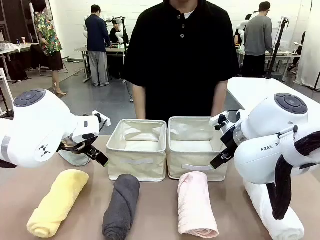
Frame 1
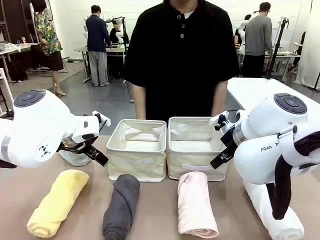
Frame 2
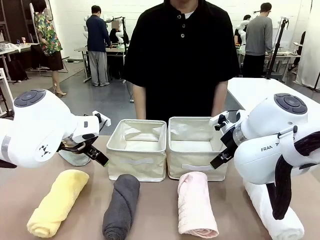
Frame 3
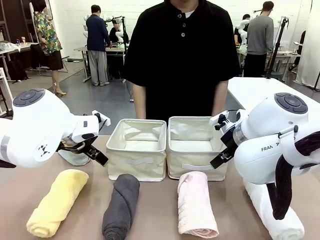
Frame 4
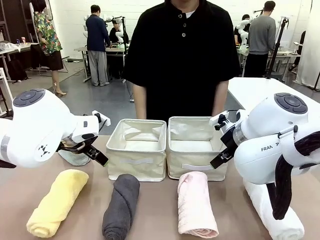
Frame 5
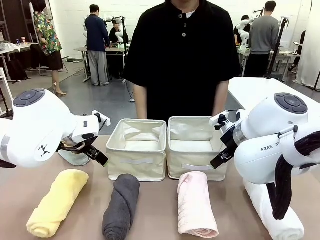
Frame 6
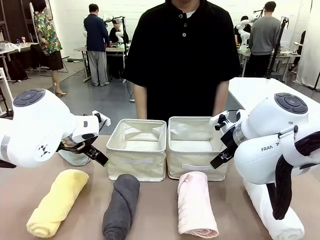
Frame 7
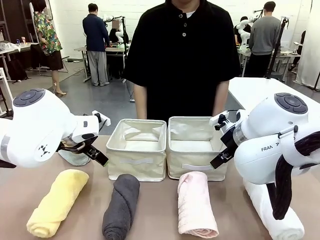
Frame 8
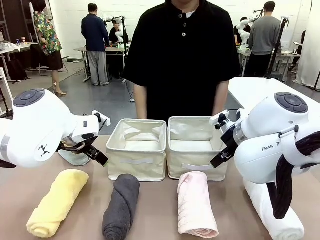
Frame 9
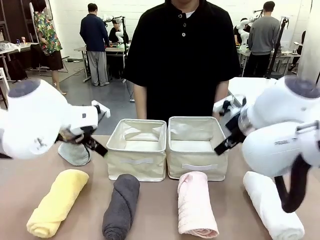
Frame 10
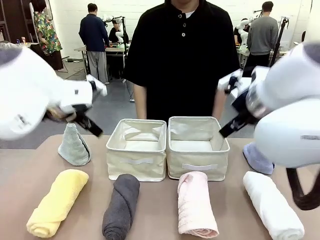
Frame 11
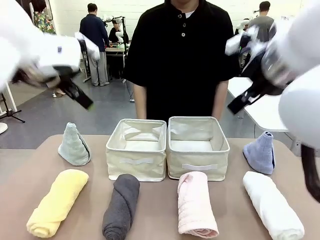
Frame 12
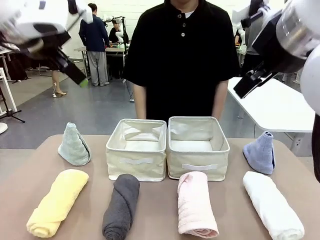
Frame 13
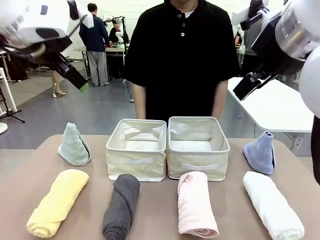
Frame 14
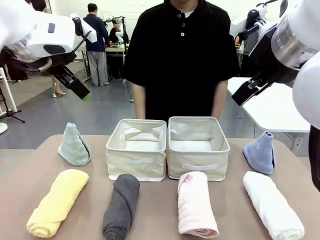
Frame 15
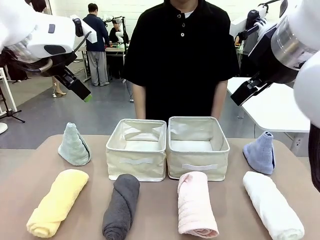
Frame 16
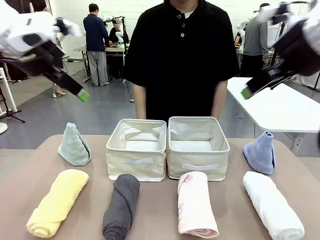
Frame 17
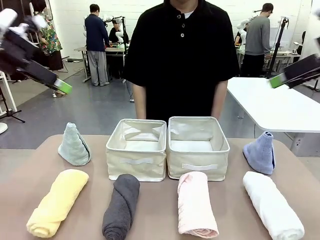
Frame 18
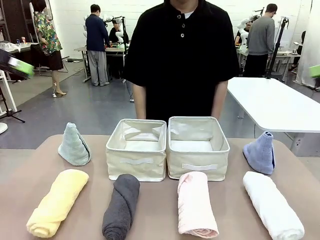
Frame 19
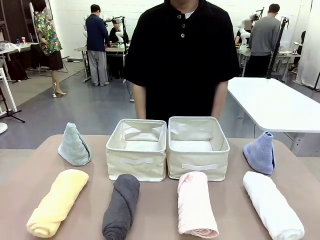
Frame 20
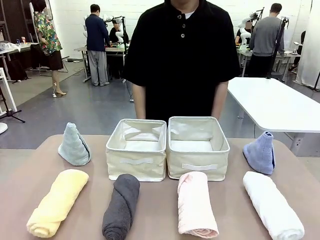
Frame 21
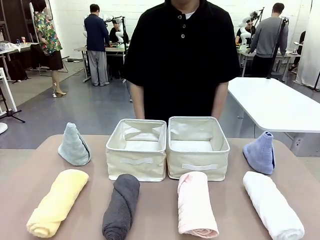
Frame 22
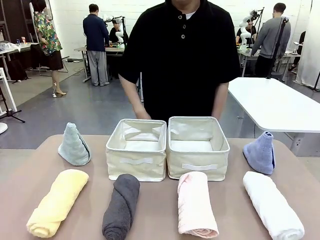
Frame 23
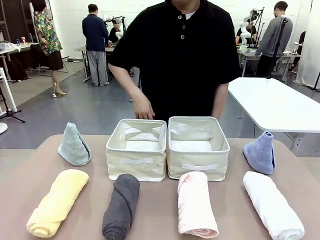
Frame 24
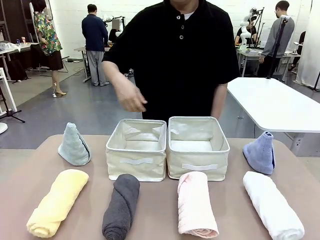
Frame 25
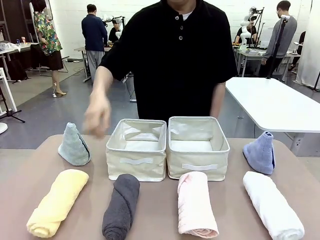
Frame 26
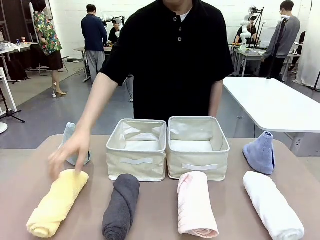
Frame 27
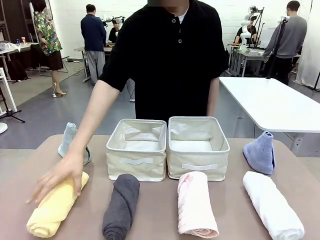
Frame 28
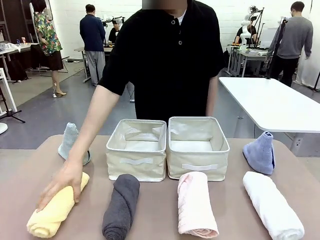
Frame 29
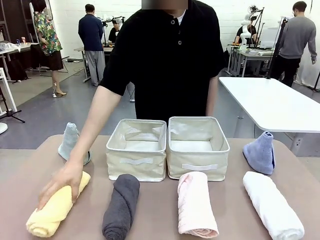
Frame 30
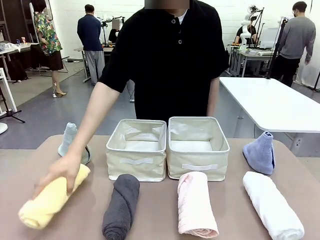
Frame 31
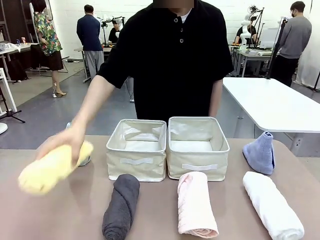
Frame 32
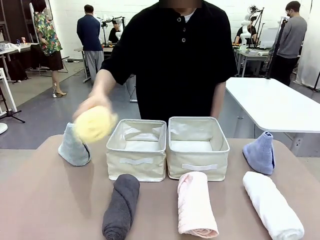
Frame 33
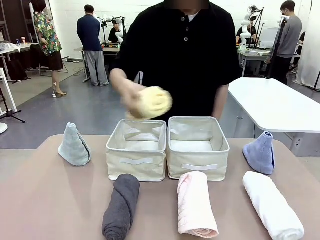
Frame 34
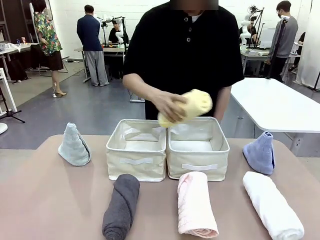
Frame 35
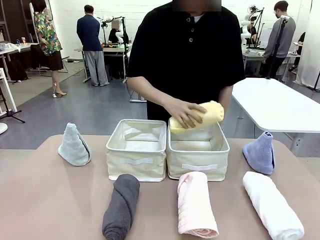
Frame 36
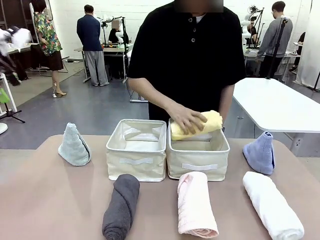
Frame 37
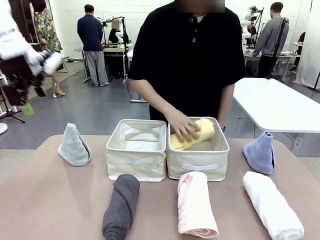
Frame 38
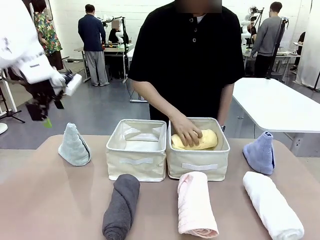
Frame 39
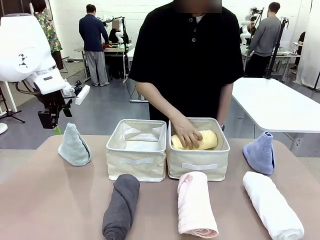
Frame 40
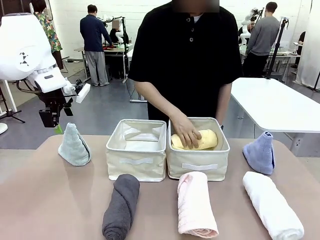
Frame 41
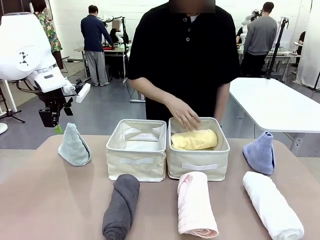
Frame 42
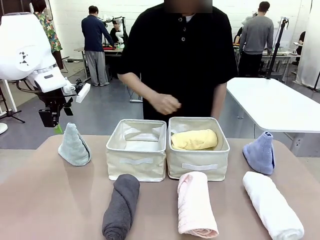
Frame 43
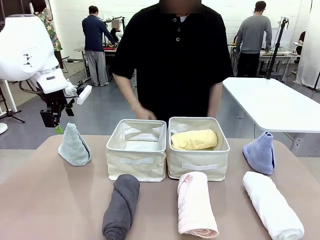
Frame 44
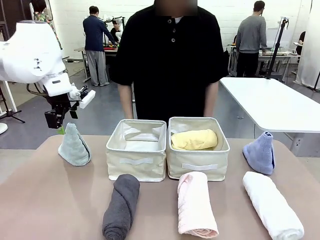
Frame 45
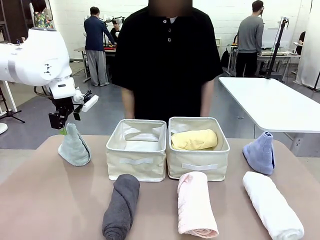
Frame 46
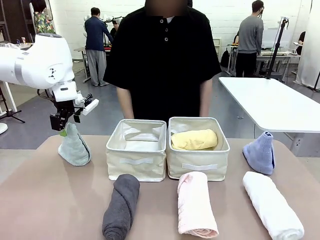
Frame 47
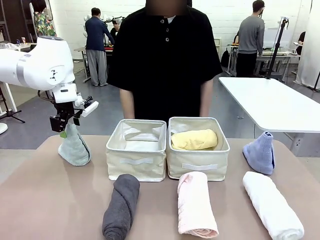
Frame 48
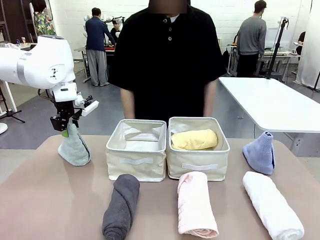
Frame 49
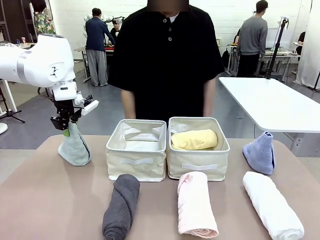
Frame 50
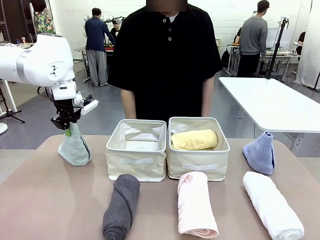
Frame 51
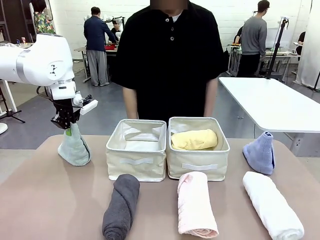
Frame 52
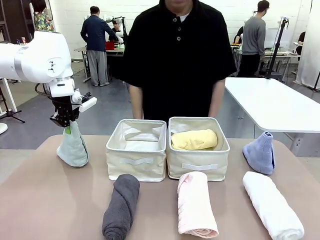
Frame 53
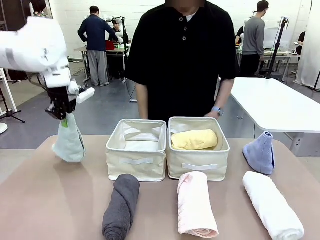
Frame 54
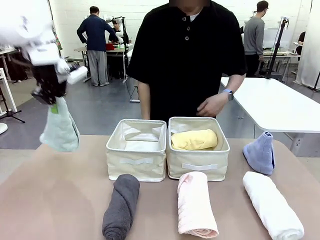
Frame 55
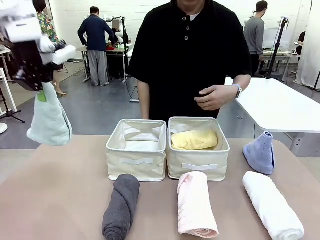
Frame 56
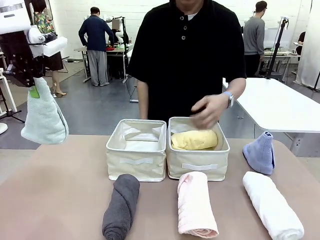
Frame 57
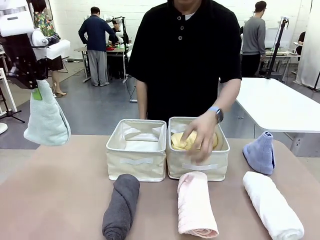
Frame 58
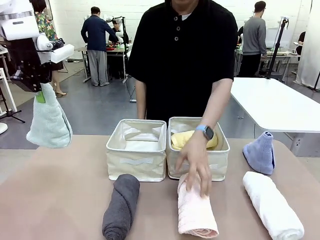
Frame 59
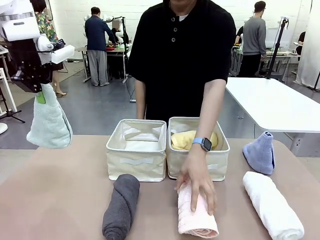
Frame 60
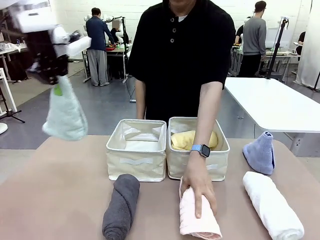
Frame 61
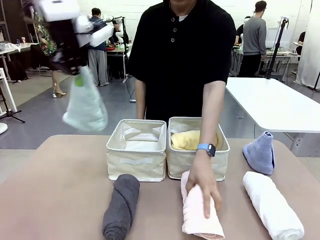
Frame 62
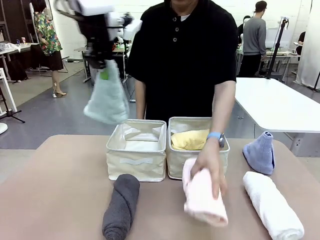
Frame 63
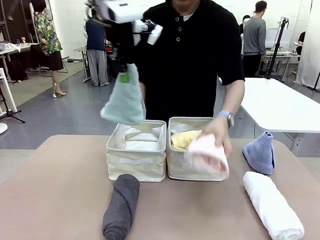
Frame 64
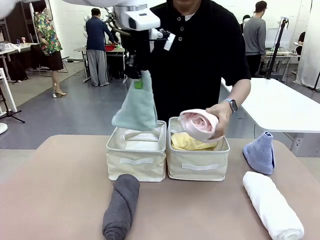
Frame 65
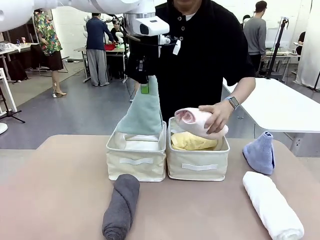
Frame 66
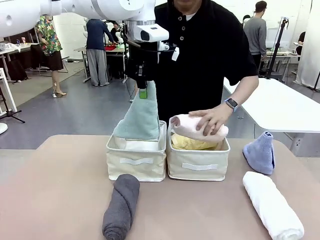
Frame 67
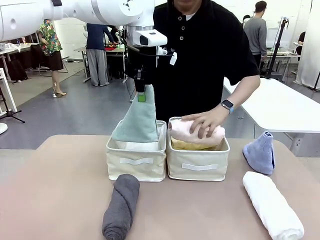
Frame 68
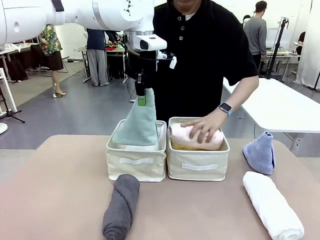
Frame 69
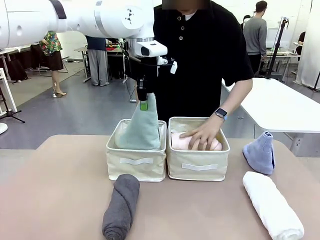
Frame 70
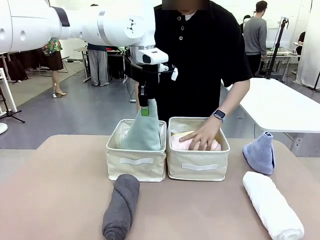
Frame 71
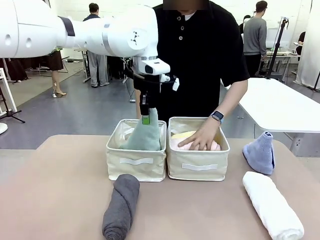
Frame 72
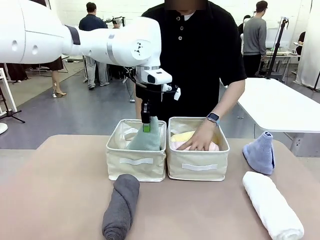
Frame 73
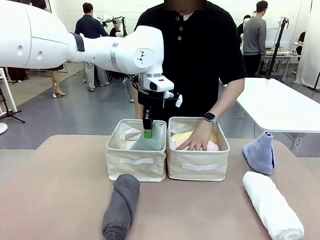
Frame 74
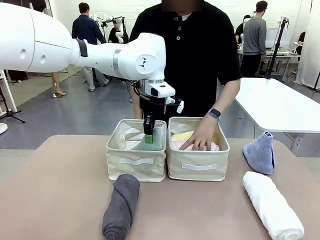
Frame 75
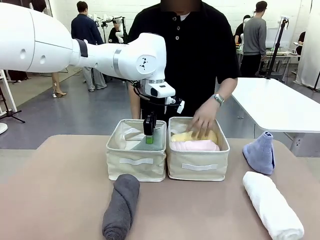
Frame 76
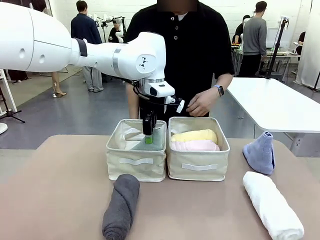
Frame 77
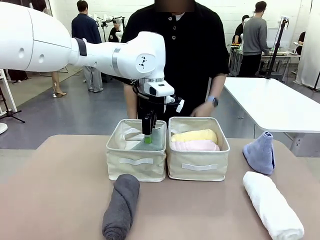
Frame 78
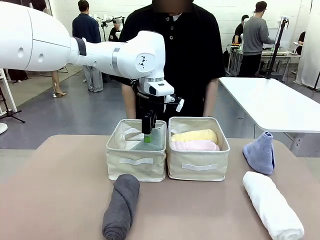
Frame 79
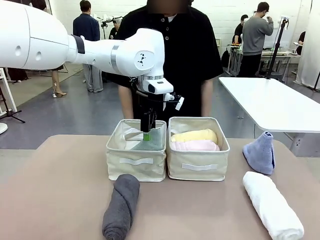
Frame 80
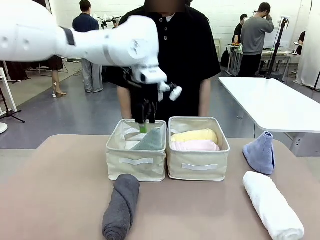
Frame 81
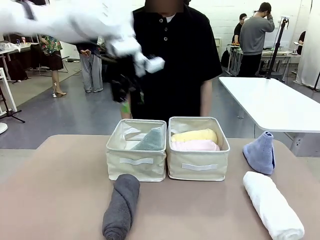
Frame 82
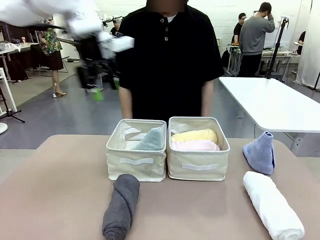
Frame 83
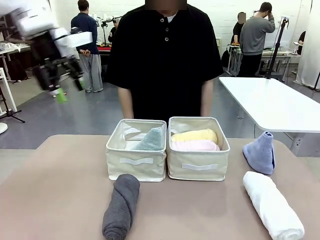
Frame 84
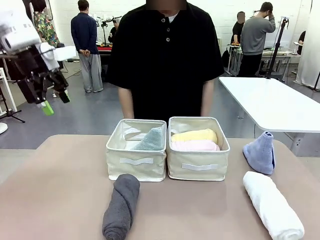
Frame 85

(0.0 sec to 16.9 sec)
Task: Sort the towels based on their folding style.
Robot: Pick up one triangle-folded towel and place it in the left Fabric basket.
Person: Pick up one hotel-style rolled towel and place it in the left fabric basket.
